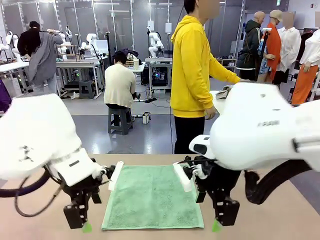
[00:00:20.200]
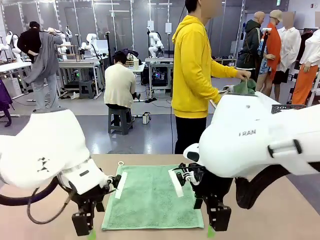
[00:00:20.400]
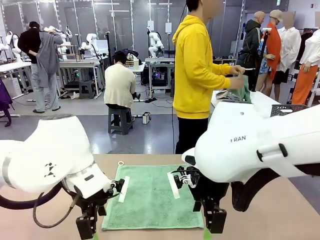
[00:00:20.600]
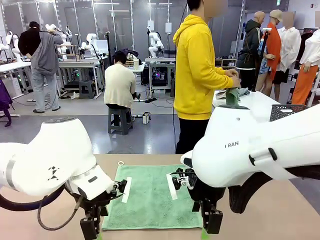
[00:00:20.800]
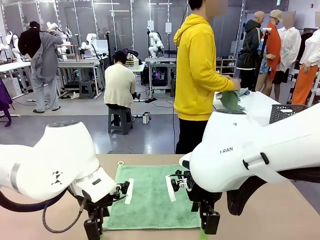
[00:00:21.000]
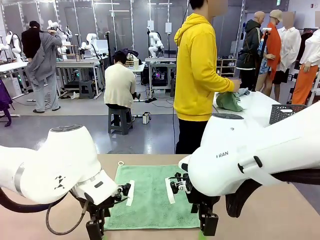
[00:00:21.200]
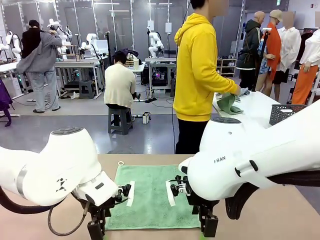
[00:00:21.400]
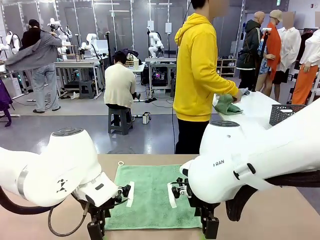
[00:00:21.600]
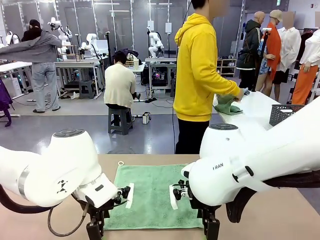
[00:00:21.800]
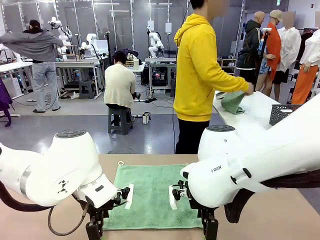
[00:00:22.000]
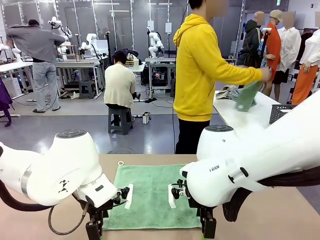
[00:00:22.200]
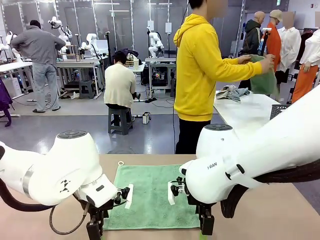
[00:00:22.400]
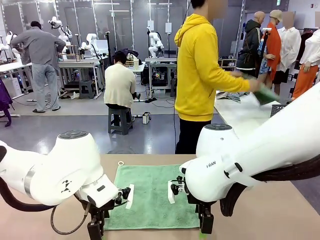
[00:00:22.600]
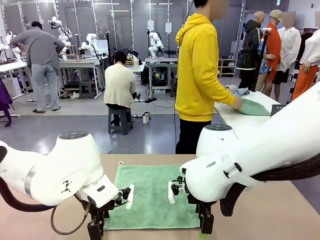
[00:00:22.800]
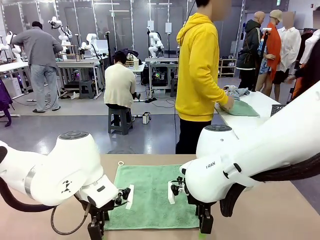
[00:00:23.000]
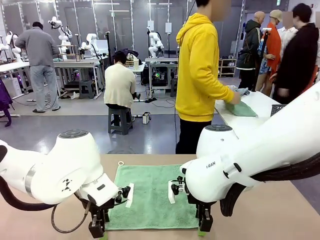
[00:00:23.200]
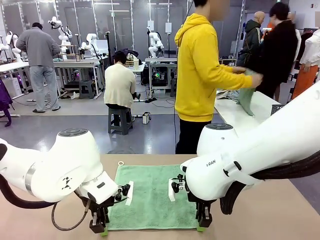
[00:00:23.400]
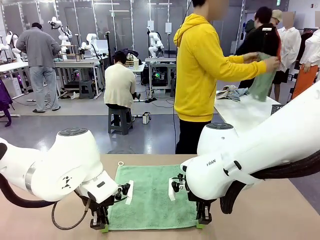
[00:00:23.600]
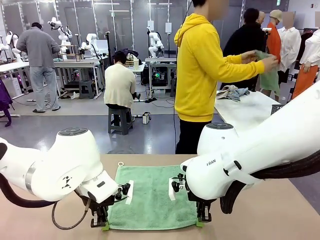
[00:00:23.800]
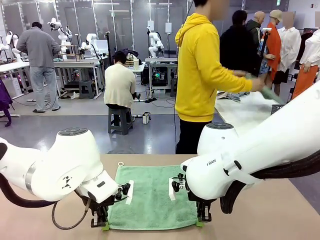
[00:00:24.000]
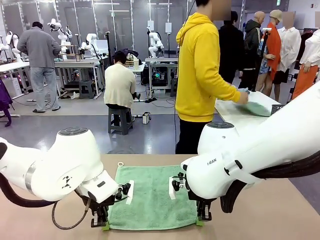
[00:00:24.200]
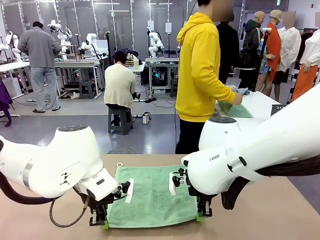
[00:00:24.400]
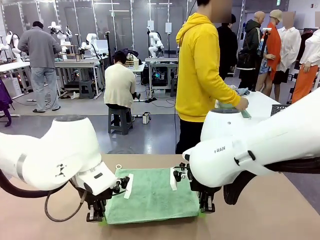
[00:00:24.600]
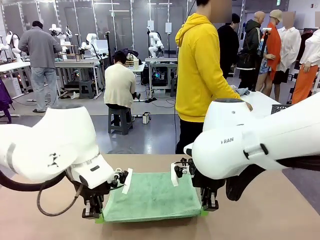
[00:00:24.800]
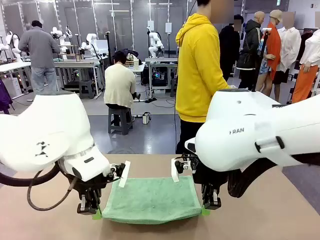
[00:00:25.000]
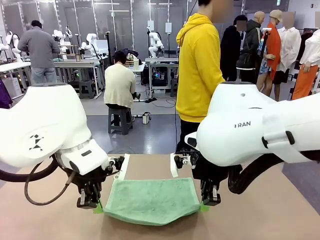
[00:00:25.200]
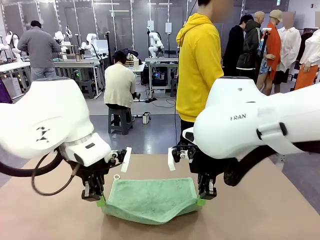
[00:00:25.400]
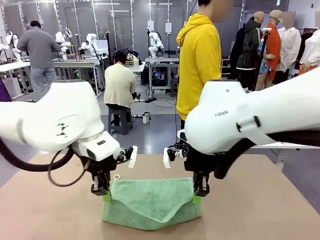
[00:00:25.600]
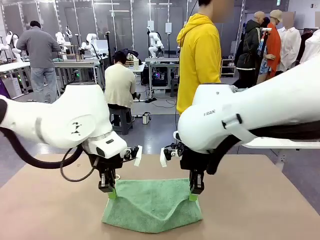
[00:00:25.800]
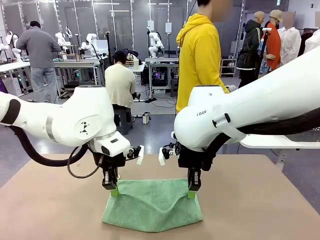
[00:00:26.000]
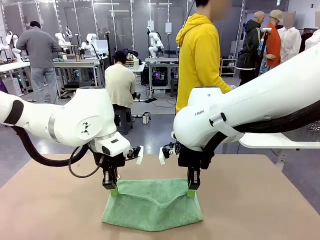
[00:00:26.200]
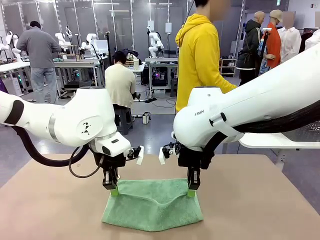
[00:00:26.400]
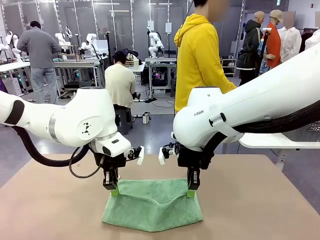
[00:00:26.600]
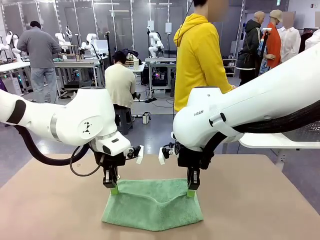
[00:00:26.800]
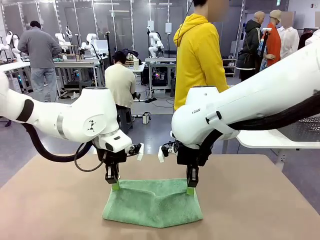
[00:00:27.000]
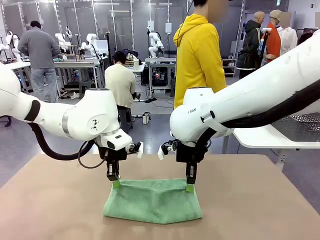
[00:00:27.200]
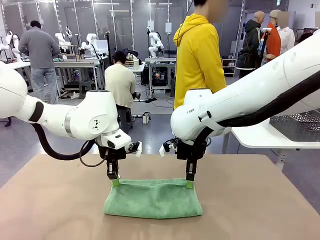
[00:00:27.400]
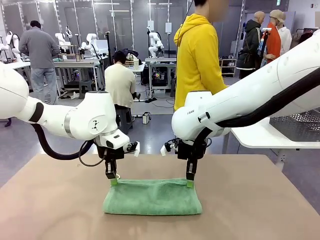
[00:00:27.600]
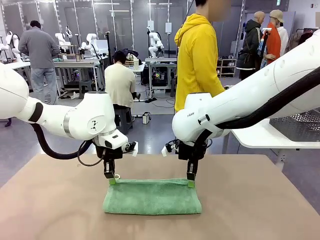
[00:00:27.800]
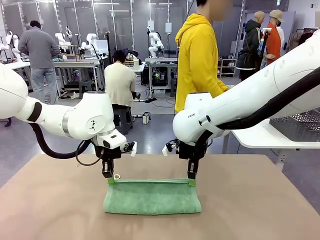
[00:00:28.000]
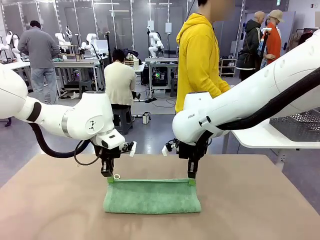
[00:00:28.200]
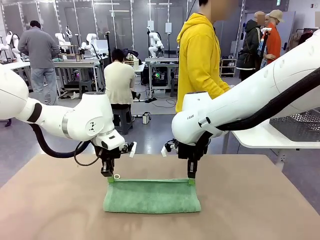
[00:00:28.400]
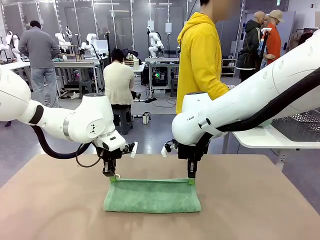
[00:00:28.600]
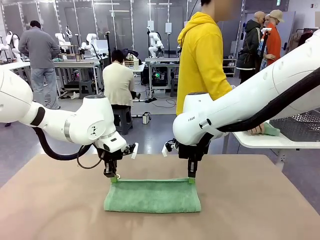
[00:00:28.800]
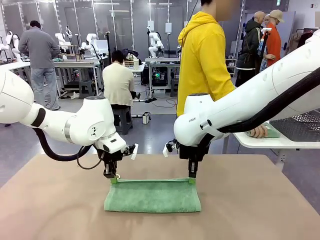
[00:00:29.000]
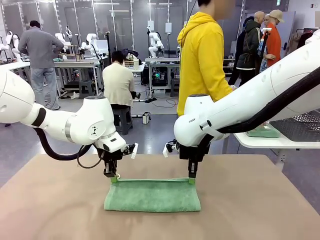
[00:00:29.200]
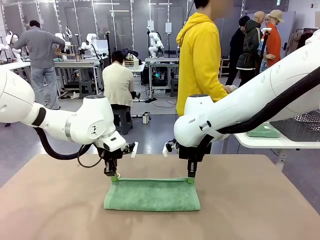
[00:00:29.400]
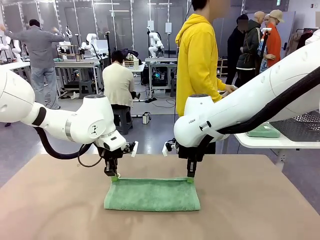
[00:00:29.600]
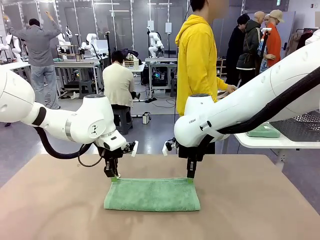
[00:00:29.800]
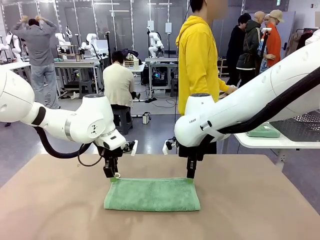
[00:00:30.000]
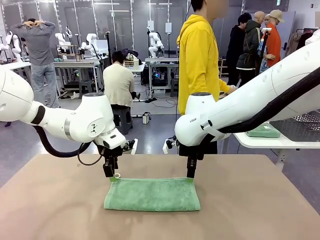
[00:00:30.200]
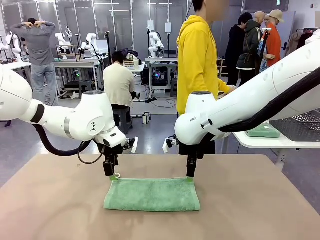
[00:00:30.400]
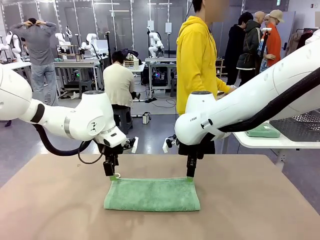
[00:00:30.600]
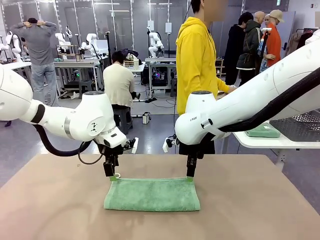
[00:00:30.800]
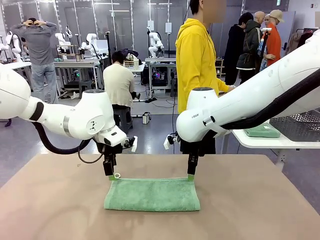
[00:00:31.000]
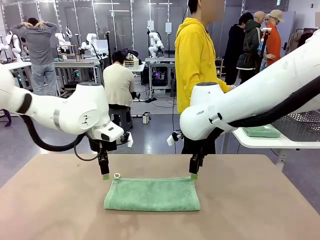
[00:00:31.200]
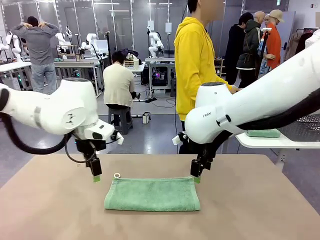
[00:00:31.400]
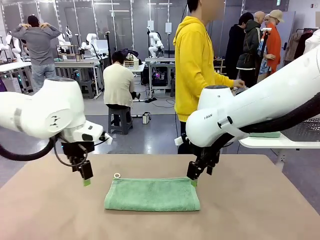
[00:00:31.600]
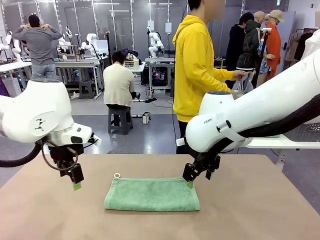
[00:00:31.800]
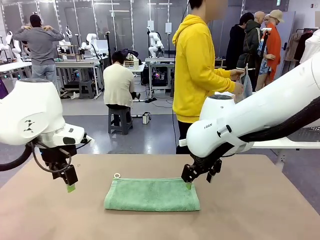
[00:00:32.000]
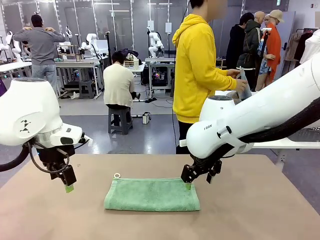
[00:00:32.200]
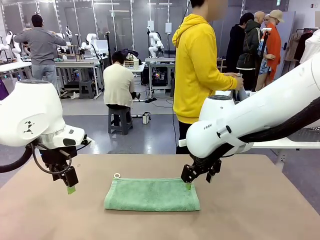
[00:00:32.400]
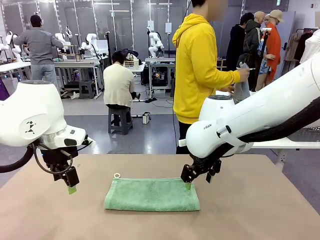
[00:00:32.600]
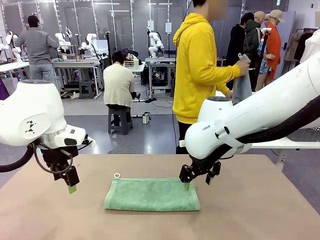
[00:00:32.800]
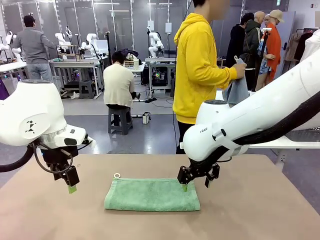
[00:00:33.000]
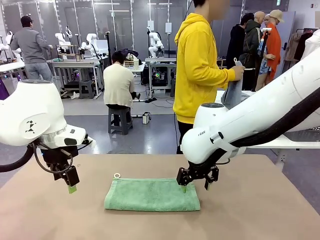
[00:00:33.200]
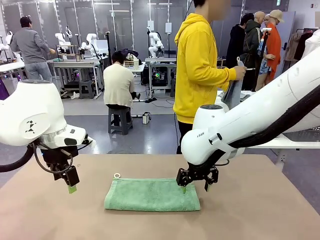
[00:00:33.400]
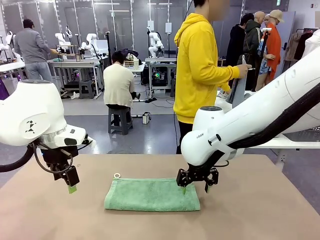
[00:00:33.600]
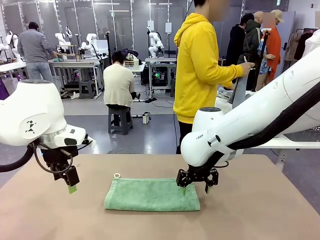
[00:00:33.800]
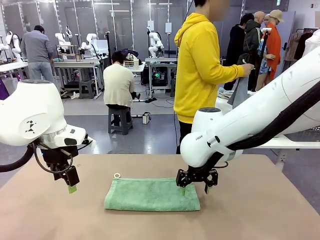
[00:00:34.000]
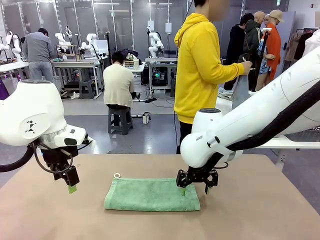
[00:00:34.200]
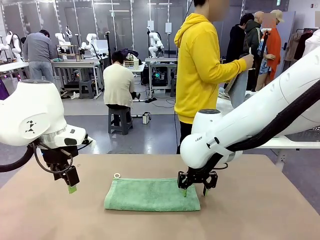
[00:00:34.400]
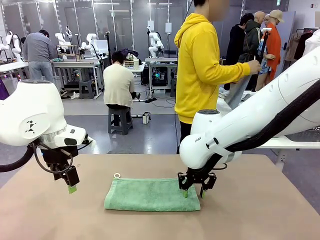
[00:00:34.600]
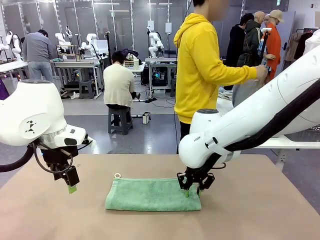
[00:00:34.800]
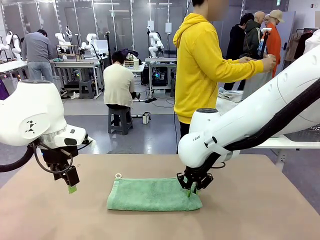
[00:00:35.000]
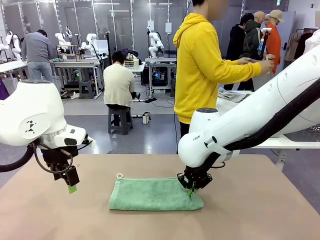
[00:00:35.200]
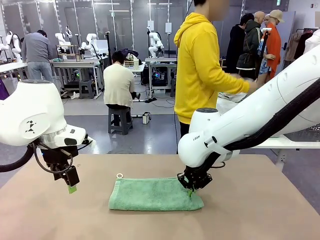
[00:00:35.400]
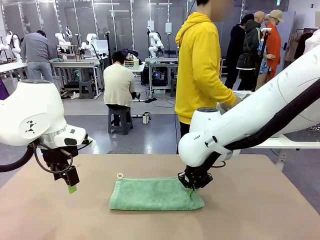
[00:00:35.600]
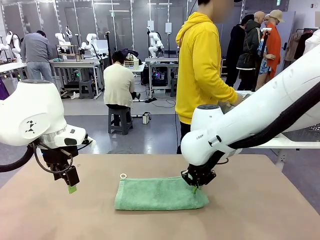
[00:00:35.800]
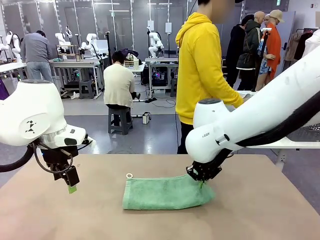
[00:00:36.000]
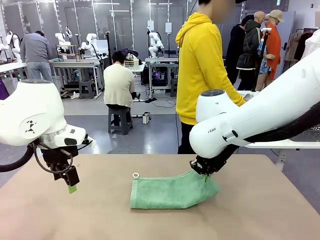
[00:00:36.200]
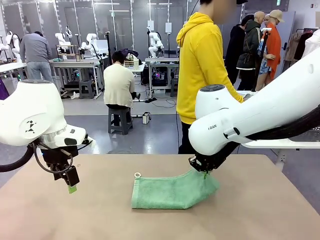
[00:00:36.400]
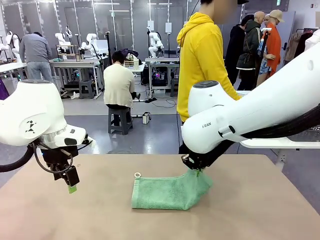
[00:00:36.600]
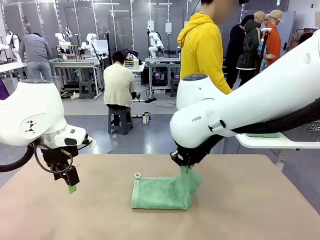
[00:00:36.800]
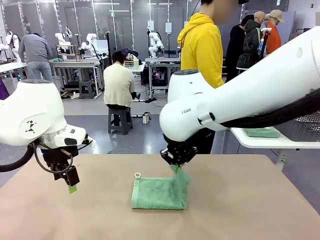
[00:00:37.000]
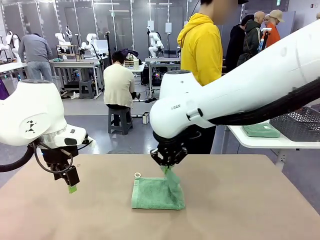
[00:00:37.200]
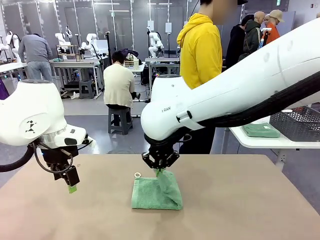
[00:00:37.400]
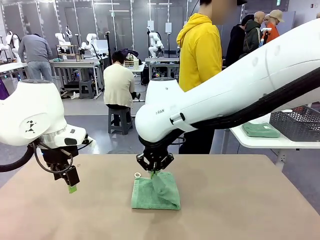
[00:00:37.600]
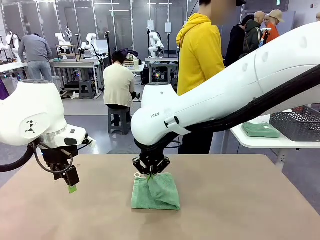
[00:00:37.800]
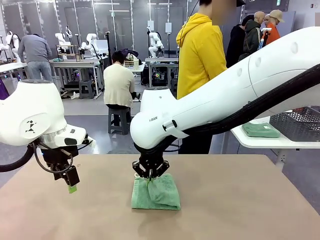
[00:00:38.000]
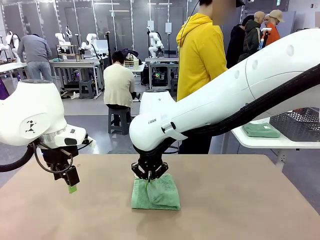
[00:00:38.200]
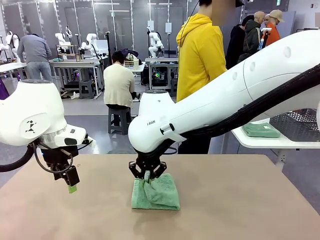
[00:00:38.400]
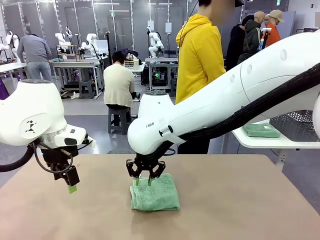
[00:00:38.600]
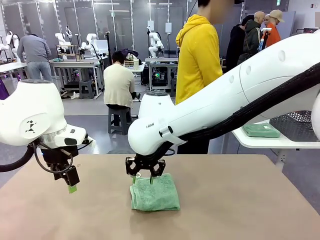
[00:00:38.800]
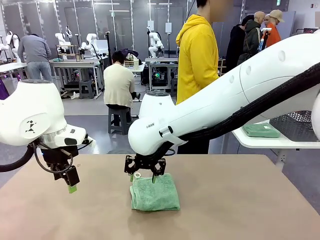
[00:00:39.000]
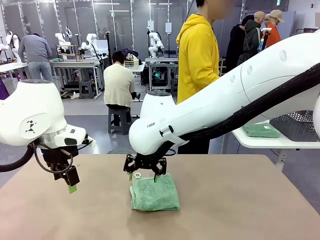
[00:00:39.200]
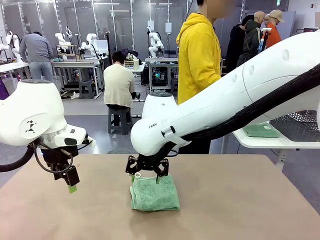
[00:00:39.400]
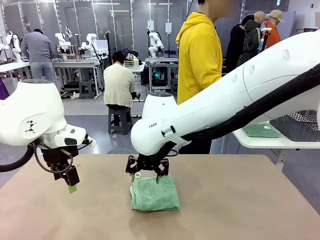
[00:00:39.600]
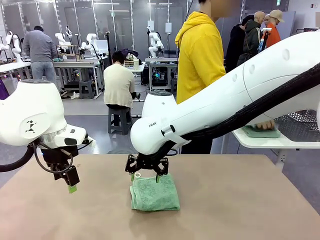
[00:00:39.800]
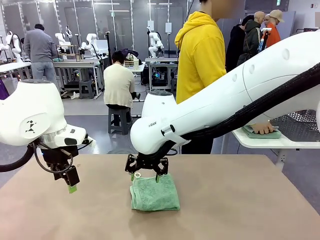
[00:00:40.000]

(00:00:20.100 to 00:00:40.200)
Task: Fold the towels and place them in the basket.
Robot: When a person lays out a Towel with hook on the table, fold it in half twice.
Person: Pick up one towel from the left side of the human table, fold it in half twice, and place it on the right side of the table. Pick up one towel from the left side of the human table, fold it in half twice, and stack it on the right side of the table.
